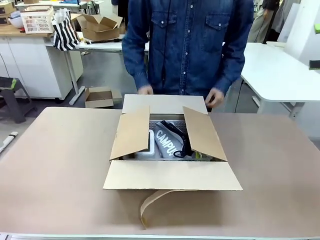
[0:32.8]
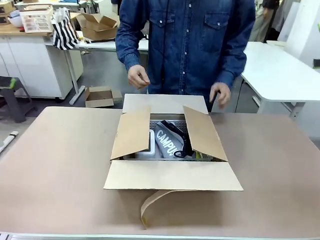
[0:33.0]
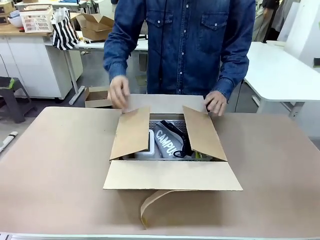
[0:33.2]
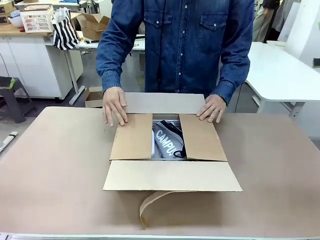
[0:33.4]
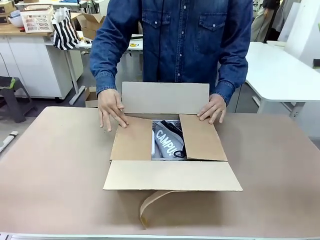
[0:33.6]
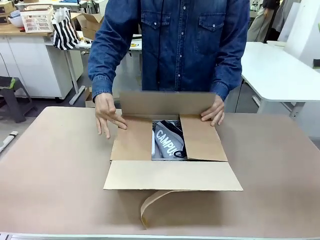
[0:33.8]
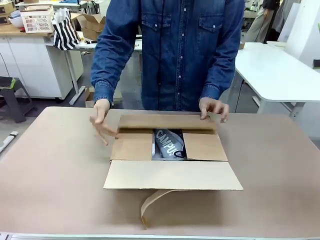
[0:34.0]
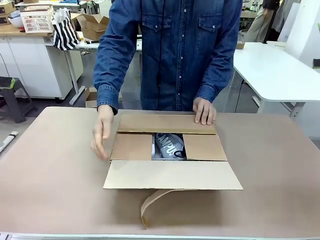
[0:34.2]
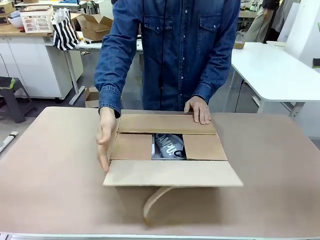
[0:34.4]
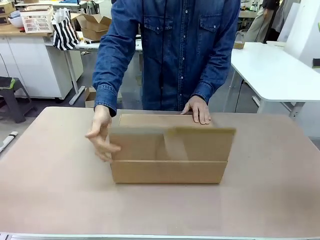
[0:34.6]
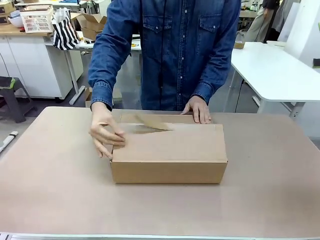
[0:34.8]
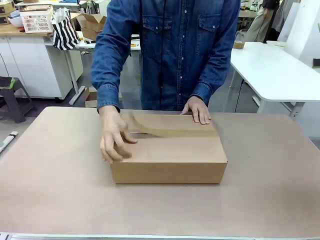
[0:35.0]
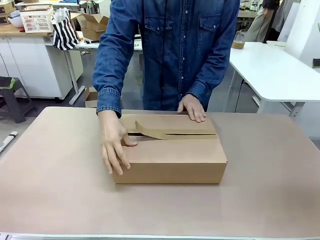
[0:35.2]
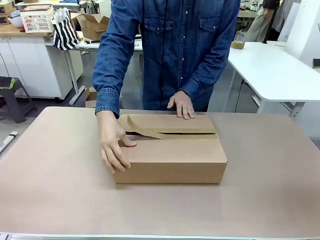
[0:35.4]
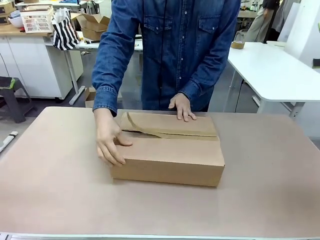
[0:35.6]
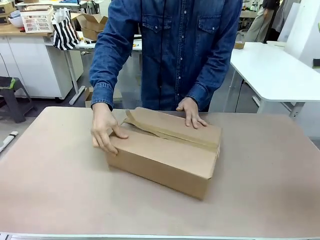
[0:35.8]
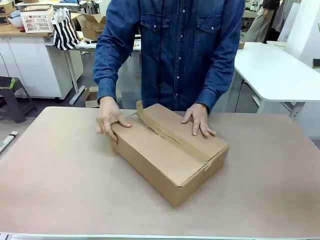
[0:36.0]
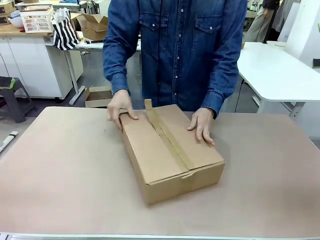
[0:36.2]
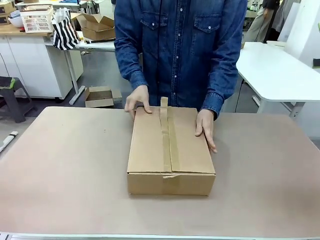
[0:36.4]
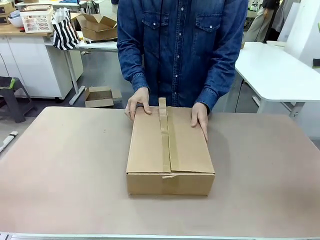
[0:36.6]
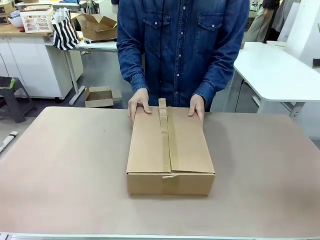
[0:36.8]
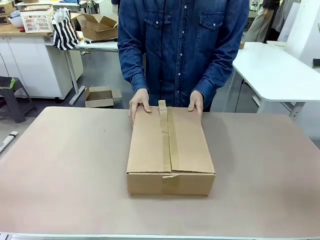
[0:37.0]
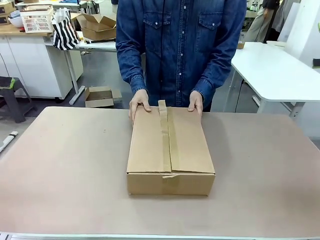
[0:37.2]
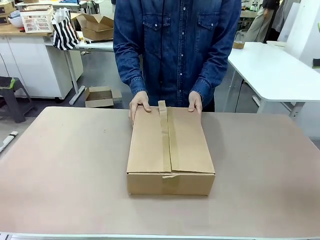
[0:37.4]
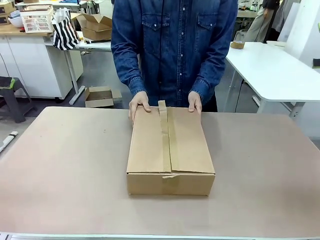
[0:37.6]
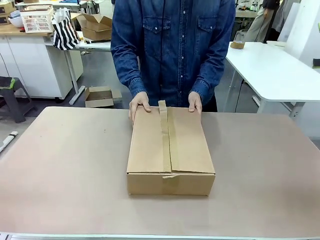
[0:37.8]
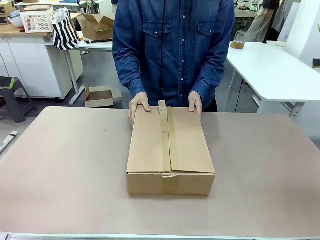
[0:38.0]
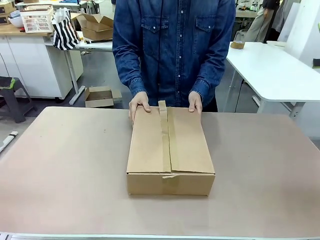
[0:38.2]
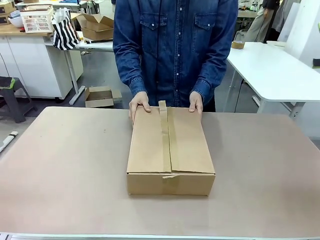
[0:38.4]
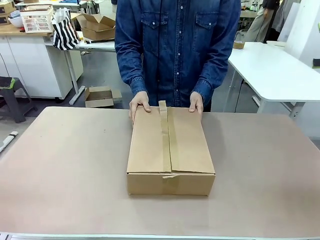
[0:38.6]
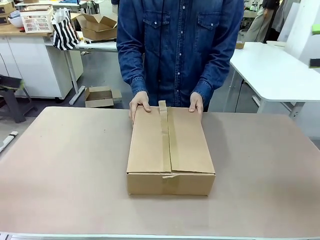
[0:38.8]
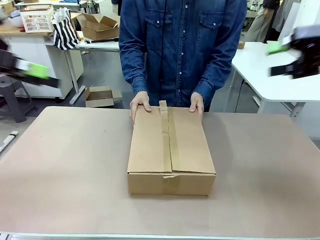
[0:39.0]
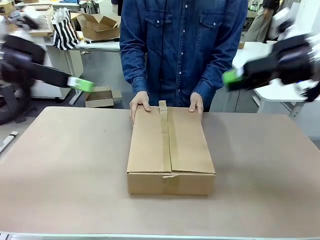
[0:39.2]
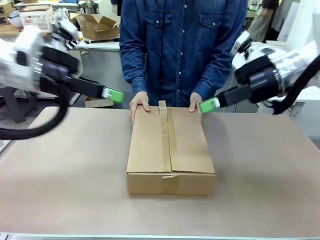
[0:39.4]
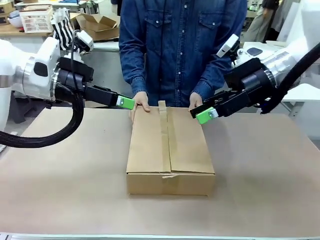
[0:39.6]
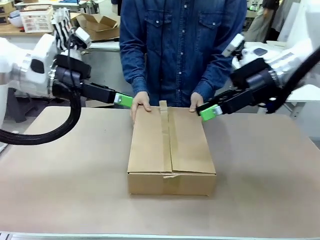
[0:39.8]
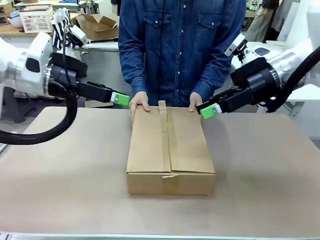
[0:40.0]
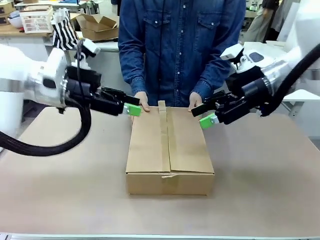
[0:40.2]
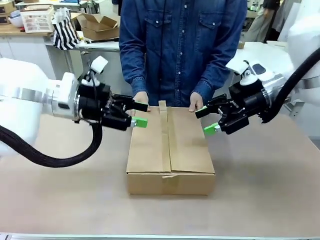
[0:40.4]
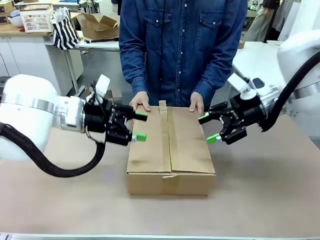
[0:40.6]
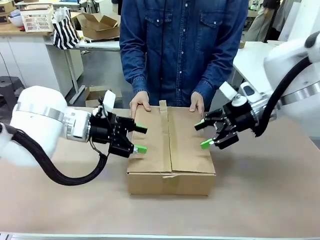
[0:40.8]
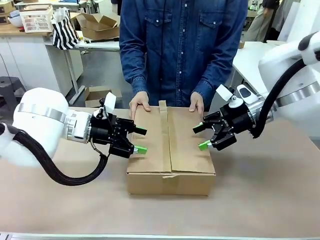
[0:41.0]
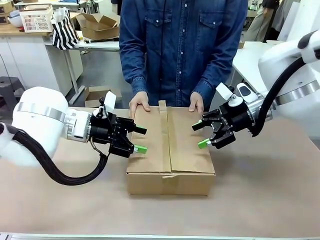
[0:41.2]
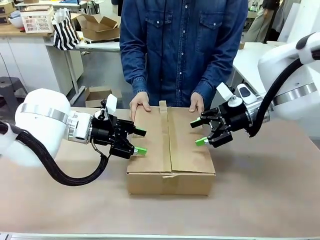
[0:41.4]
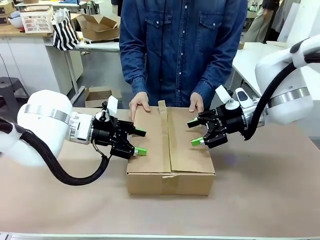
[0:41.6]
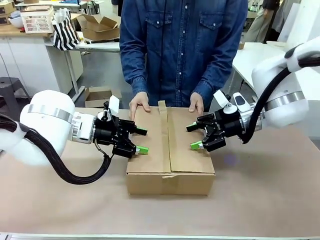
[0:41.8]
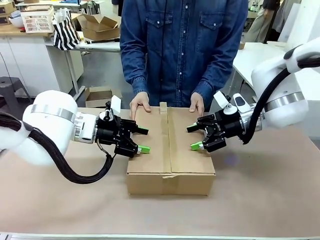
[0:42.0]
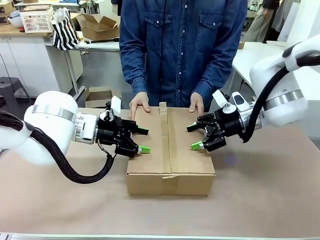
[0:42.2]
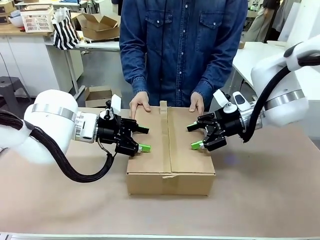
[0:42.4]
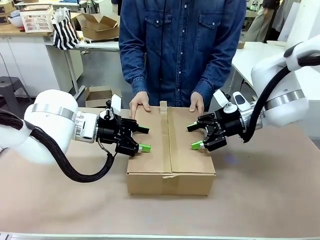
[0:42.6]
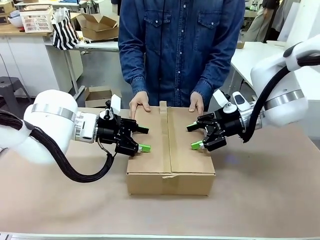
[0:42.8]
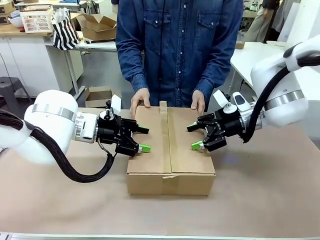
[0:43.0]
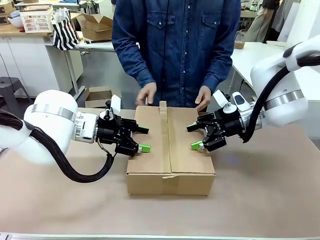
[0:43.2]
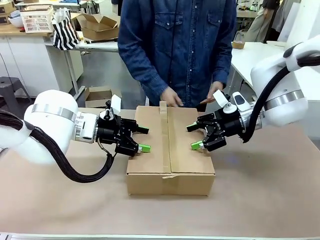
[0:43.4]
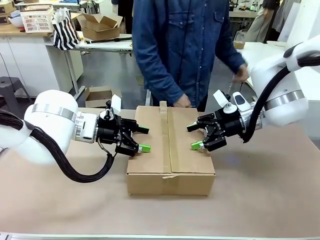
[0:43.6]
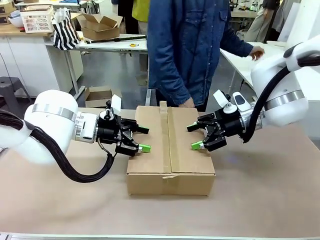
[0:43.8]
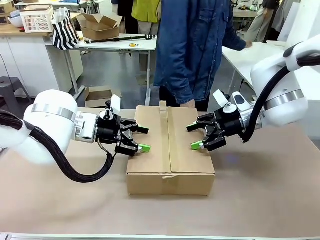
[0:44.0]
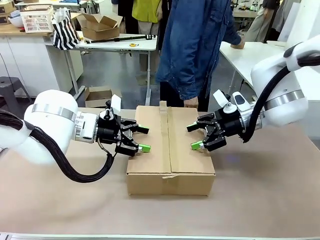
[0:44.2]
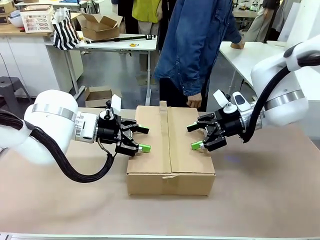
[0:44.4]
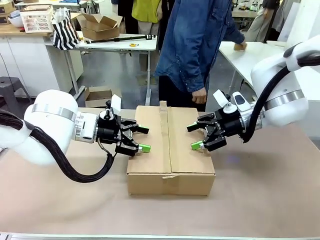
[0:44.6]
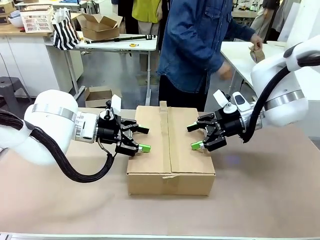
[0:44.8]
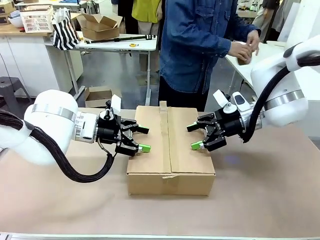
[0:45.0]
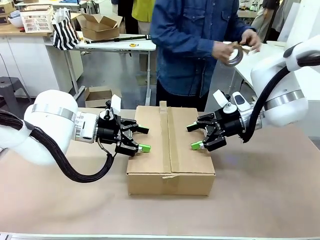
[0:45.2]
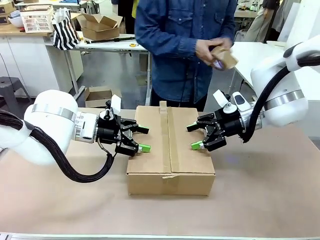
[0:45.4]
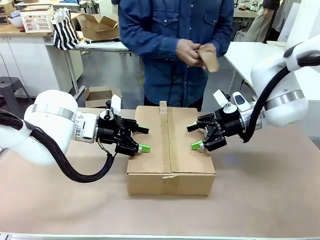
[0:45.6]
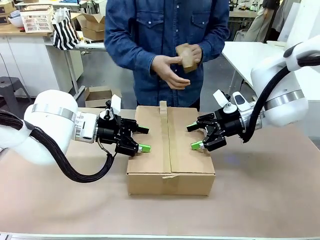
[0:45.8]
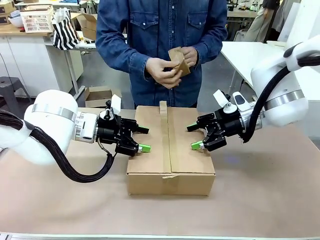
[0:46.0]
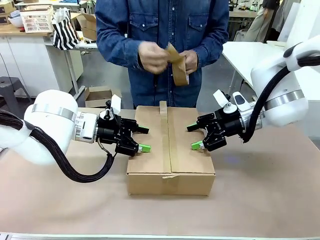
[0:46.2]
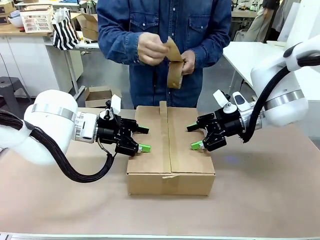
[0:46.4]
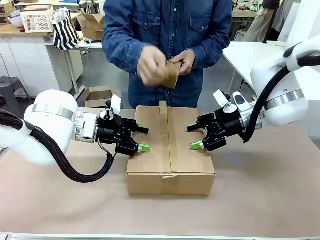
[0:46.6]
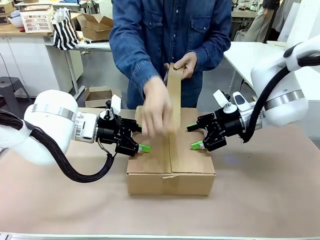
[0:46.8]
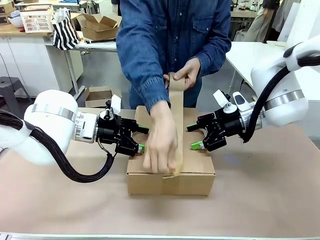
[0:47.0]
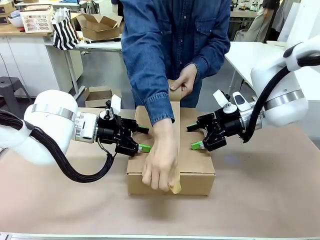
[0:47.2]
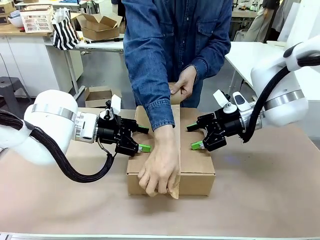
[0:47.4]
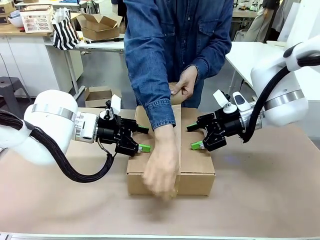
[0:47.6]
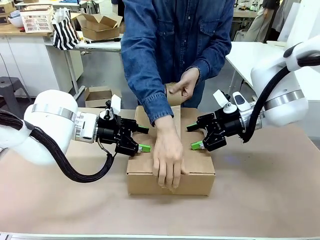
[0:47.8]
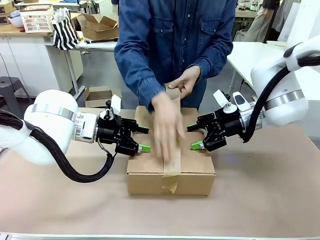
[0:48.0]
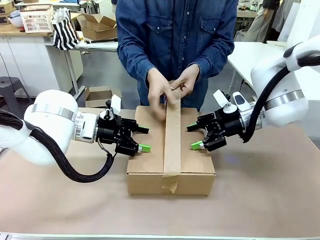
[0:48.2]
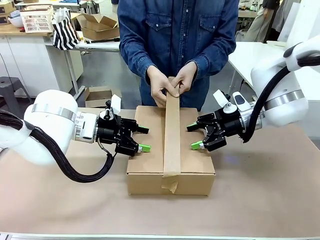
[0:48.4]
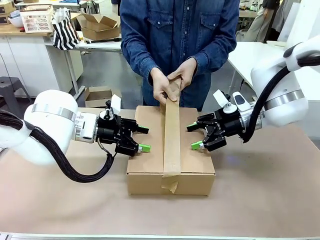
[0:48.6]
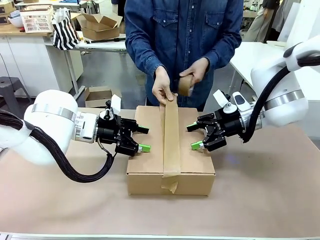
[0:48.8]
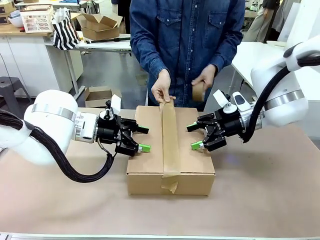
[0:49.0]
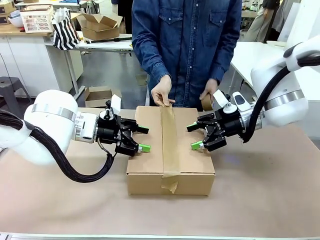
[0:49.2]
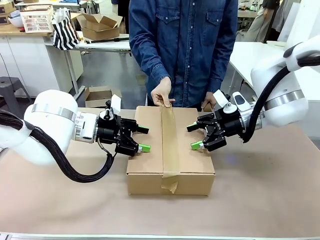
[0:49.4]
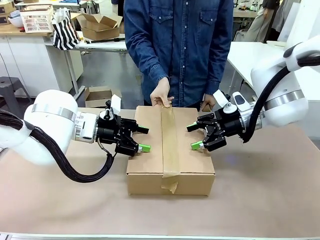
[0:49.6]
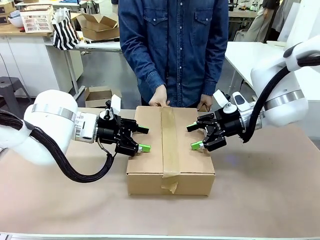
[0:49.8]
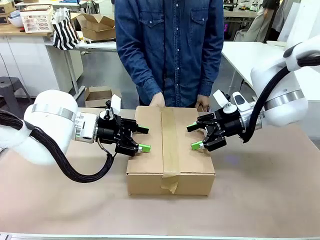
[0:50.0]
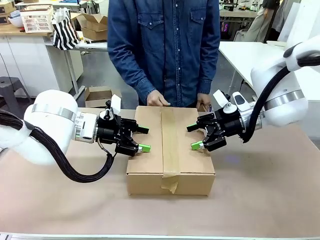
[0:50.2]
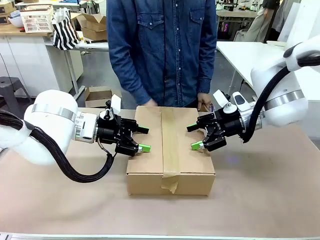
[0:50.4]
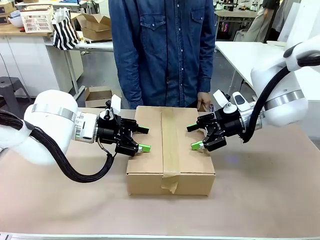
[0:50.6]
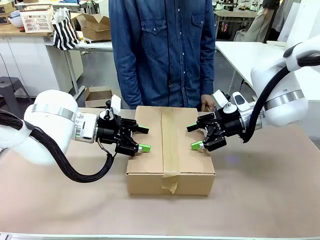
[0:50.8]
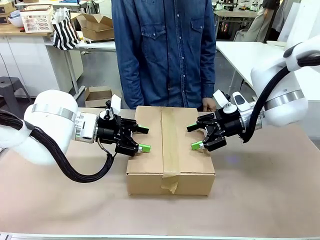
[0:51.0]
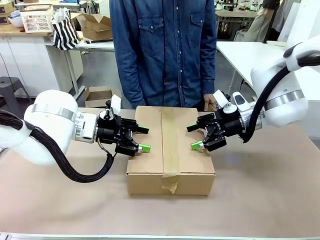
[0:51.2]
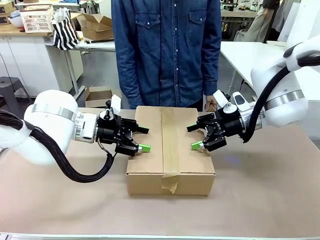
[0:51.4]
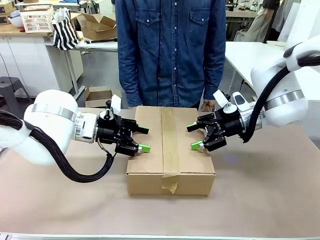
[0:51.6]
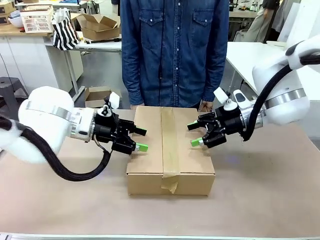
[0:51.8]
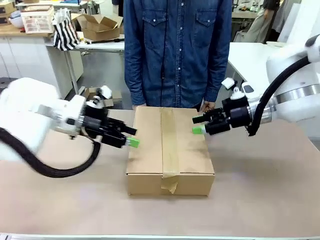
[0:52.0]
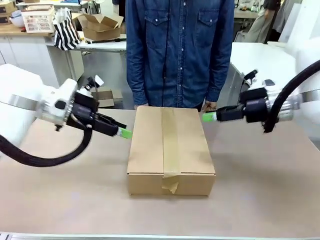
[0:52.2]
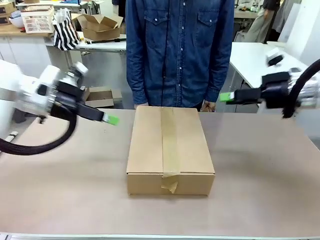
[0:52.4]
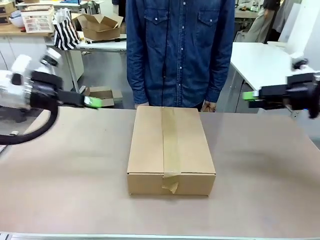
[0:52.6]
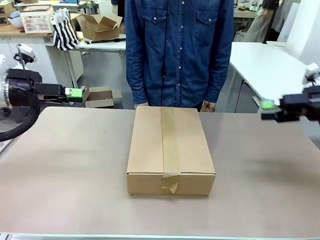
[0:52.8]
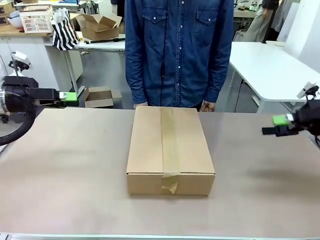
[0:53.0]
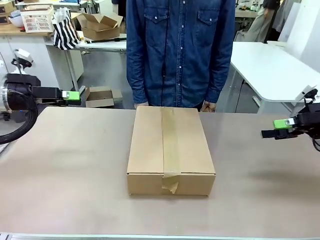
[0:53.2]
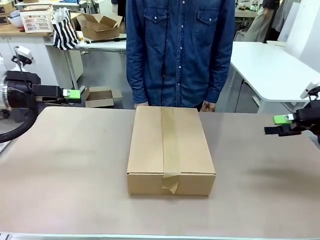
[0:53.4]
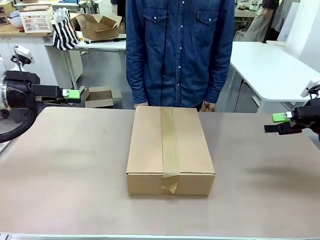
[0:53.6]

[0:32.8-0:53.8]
Task: Pack the gift set into the box.
Robot: Press and hold the closed box until the human finishes sealing it.
Person: The human closes the box and rotates the box by 90 degrees. The human picks up the paper tape from the human table and packs the box.
